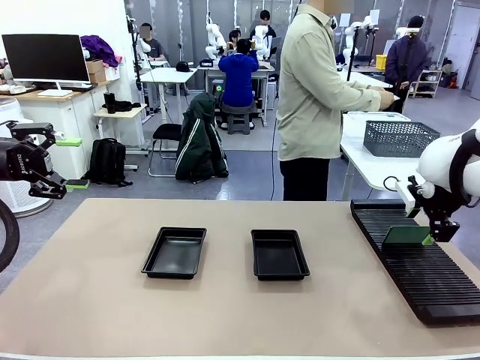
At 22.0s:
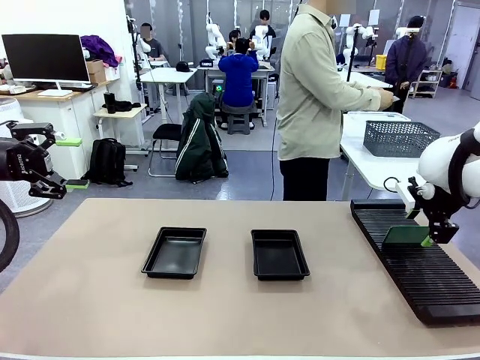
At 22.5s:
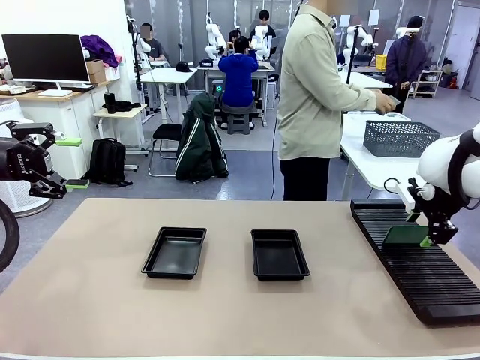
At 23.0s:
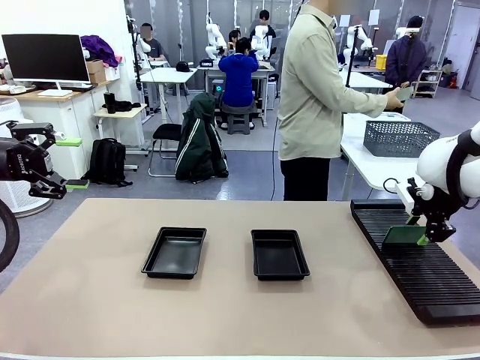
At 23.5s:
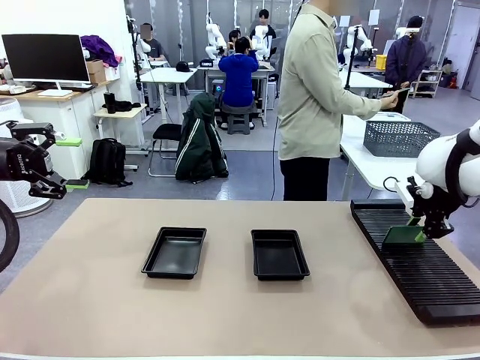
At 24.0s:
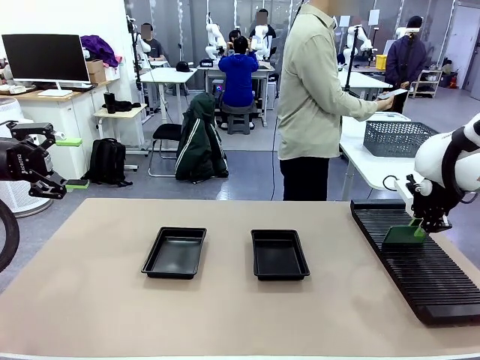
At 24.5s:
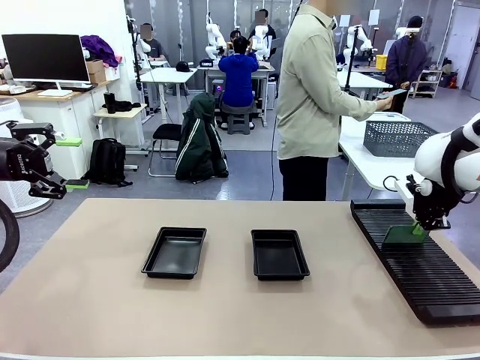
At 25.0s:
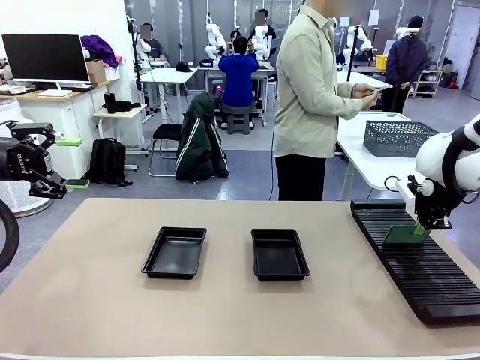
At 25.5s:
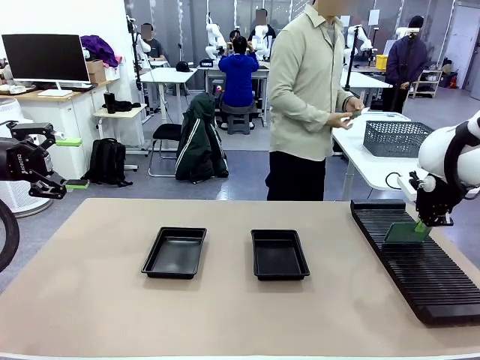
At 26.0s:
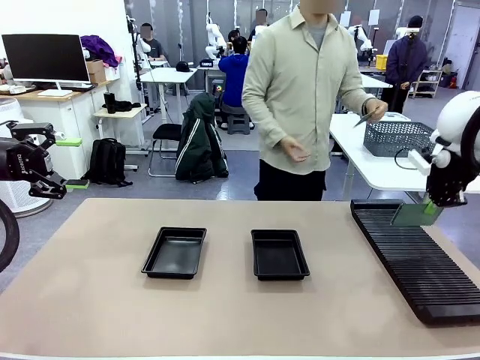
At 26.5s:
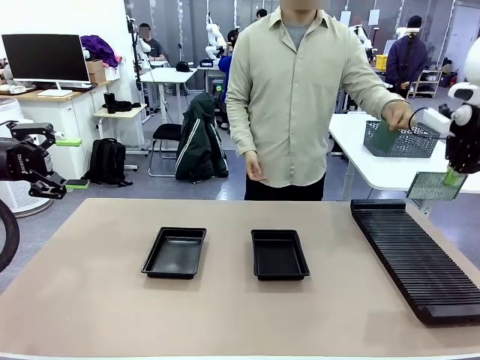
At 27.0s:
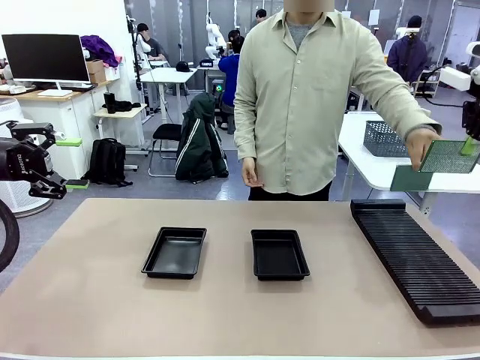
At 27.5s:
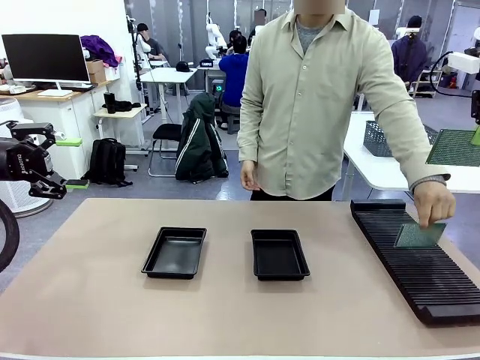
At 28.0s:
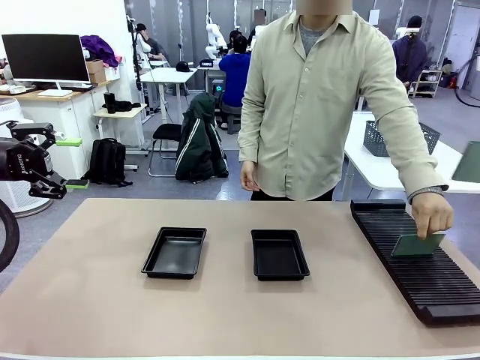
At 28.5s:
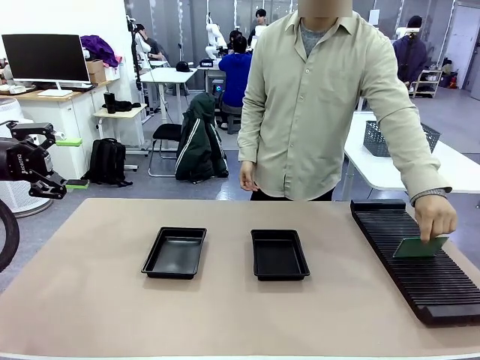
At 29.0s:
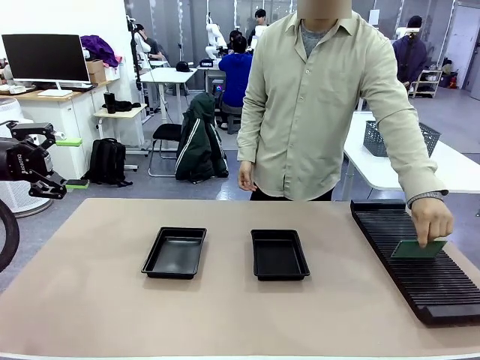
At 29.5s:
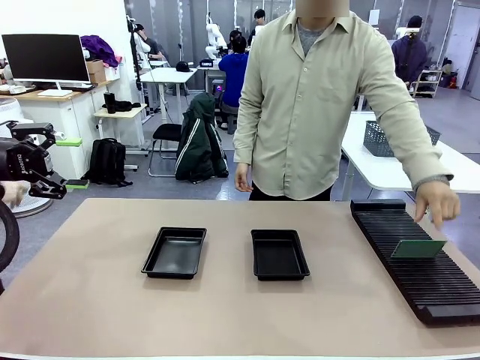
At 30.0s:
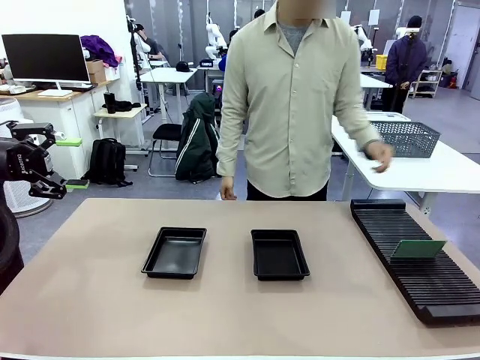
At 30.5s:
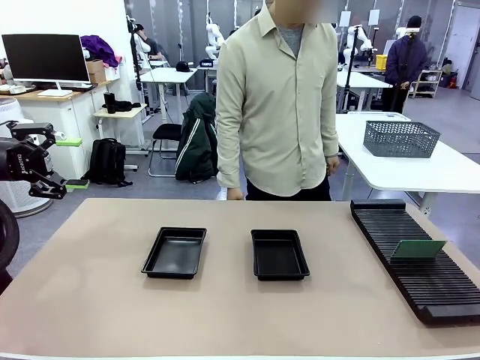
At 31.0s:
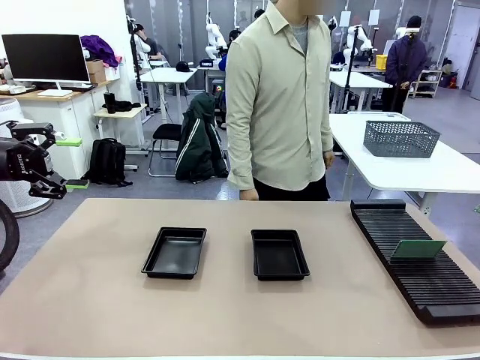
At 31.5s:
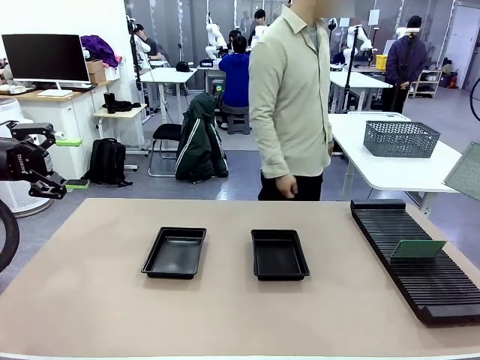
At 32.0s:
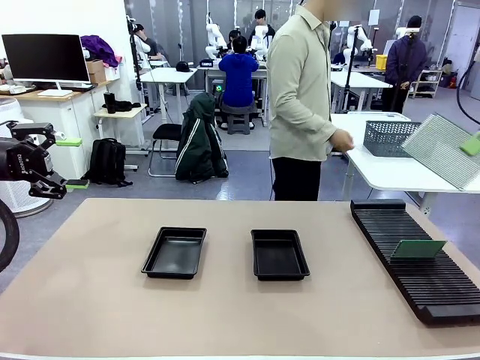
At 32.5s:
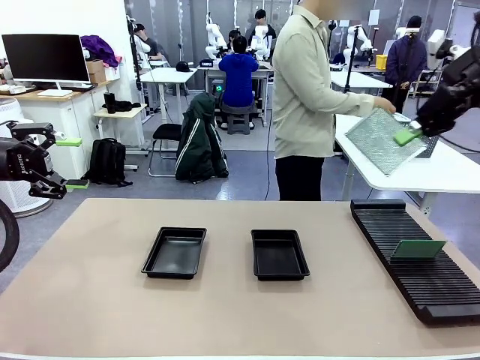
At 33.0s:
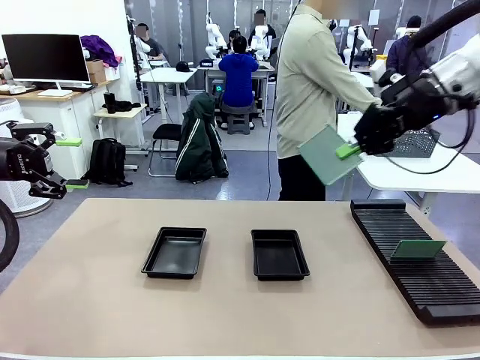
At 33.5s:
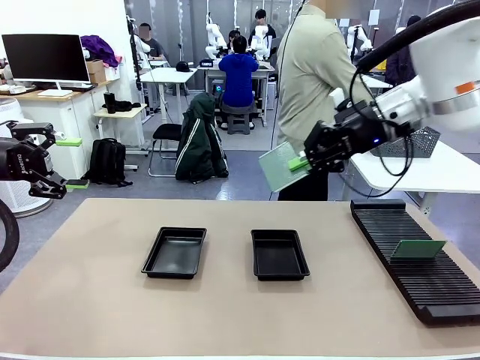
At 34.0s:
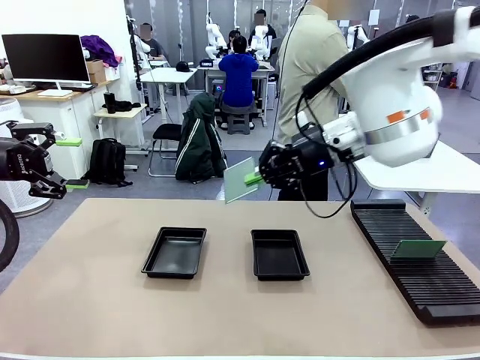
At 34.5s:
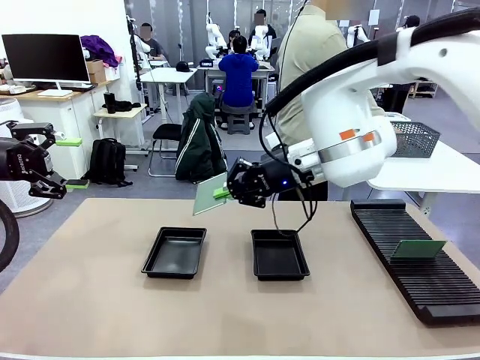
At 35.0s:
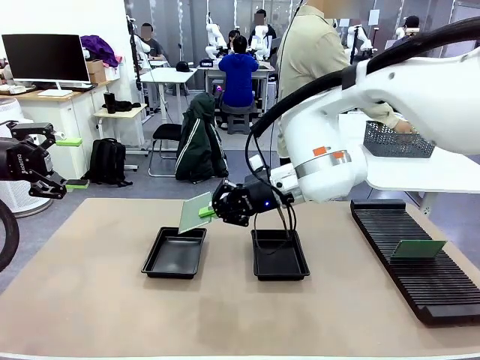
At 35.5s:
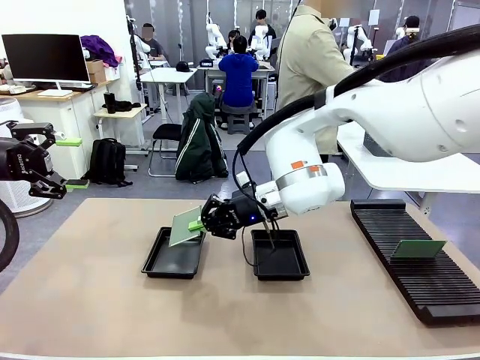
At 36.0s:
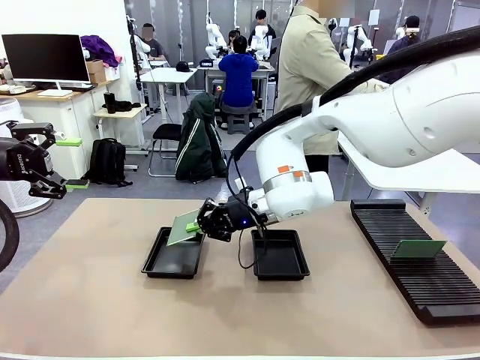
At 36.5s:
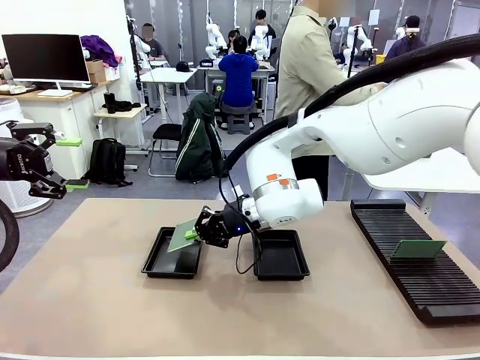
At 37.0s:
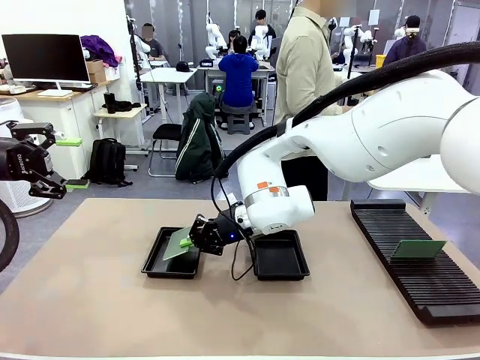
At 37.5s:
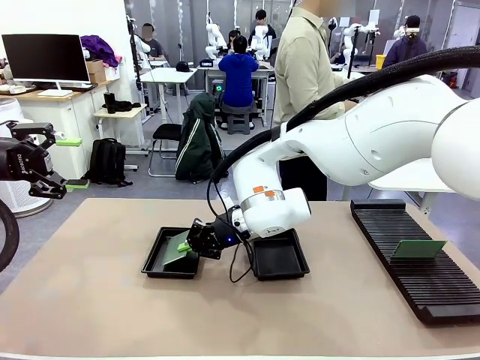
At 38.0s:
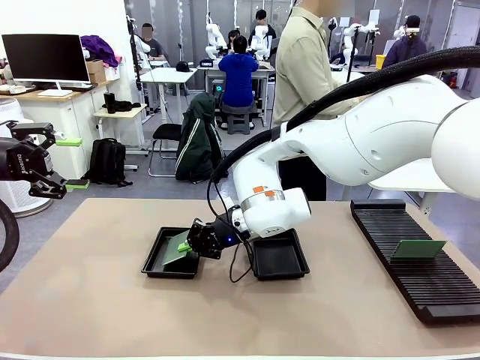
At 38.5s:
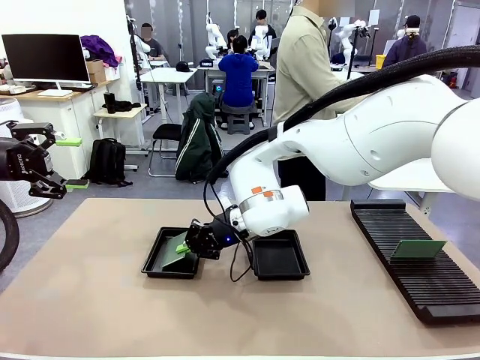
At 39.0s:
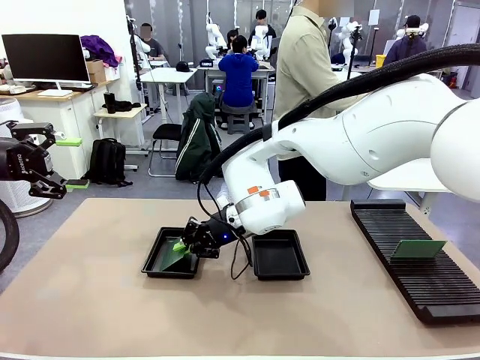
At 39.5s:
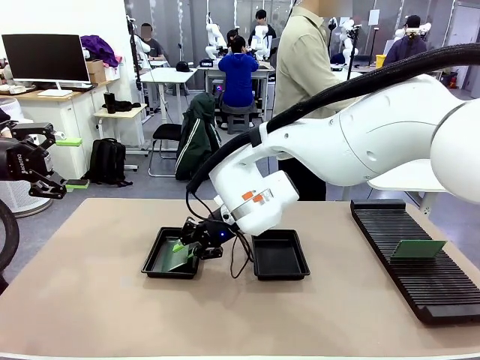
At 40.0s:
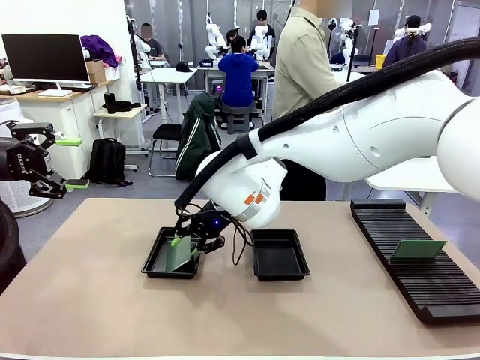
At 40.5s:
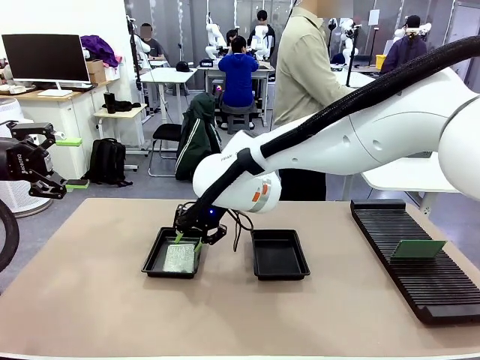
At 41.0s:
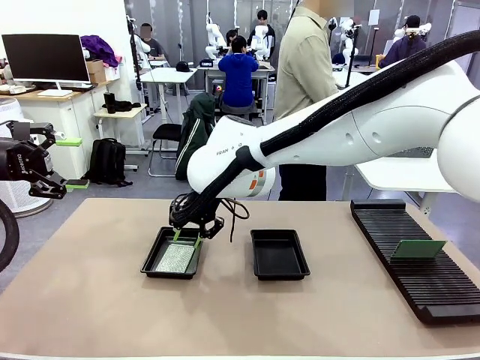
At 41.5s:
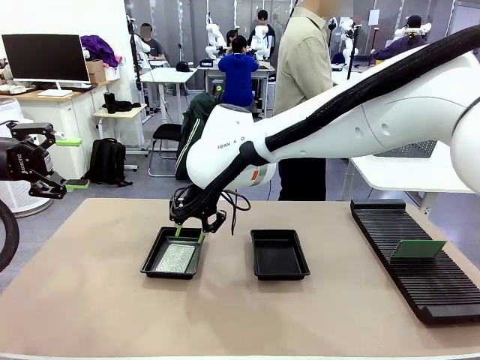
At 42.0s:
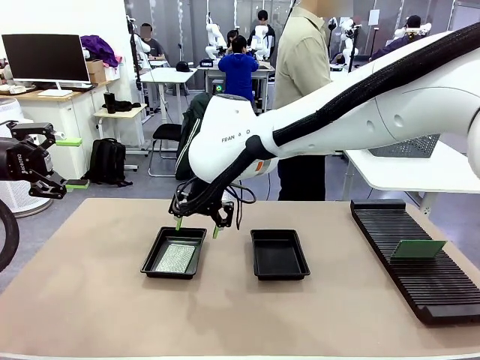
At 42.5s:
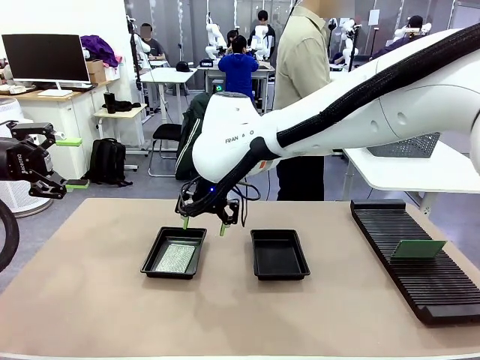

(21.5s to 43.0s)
Task: Inspect and transfer BCBs to ESD trays.
Robot: Pick up the Blank PCB from the PCB Rack and place it in the left ESD tray.

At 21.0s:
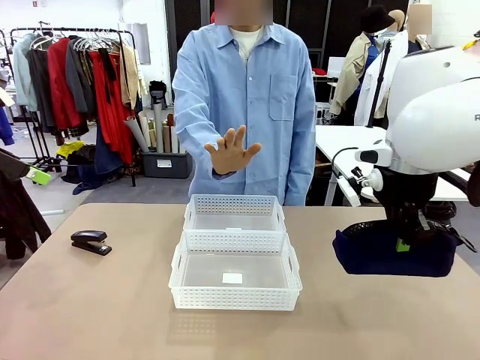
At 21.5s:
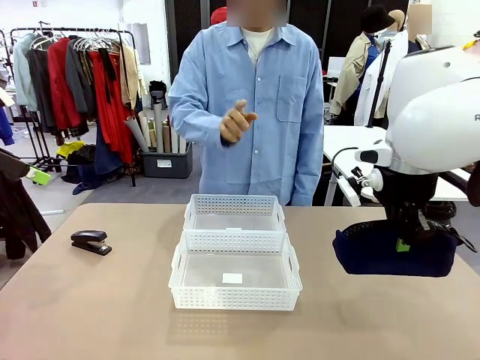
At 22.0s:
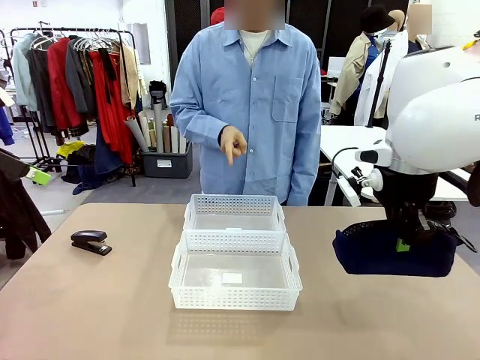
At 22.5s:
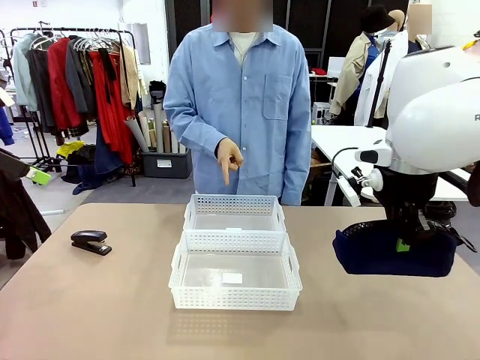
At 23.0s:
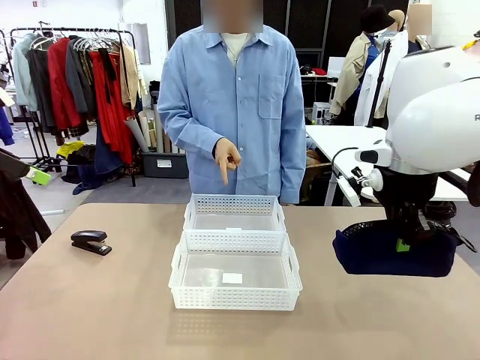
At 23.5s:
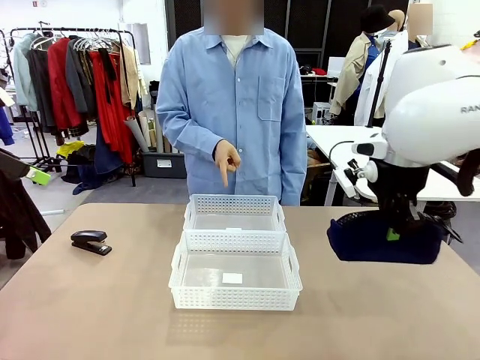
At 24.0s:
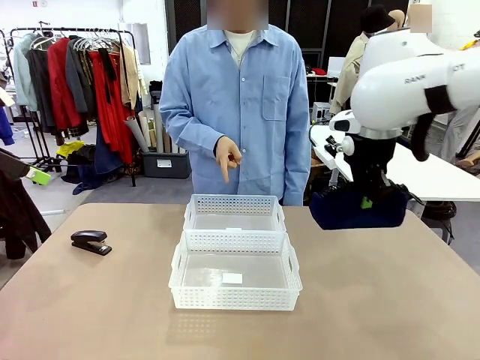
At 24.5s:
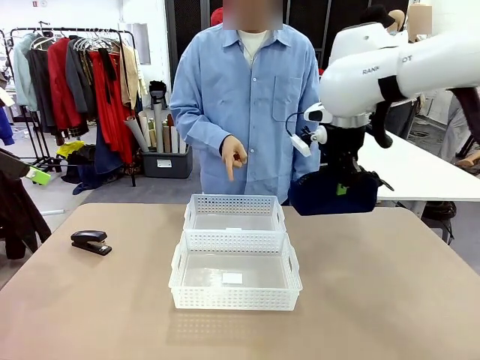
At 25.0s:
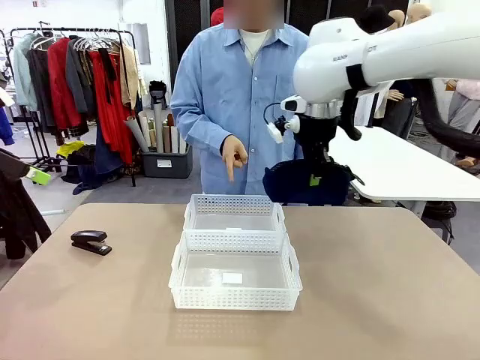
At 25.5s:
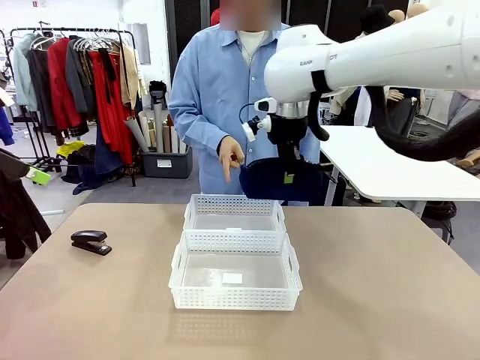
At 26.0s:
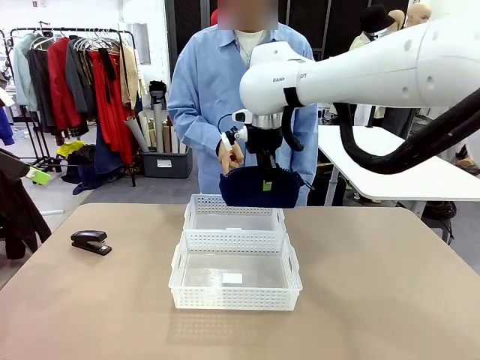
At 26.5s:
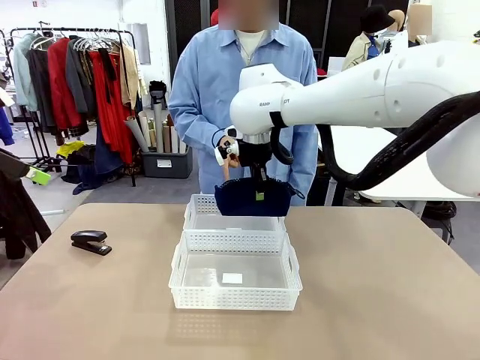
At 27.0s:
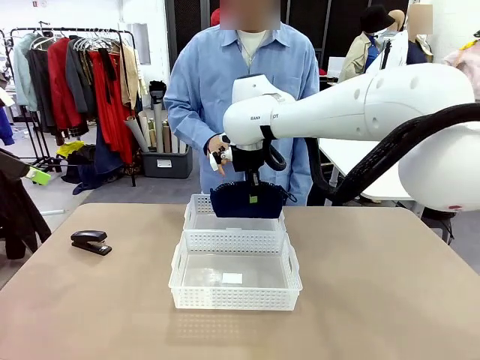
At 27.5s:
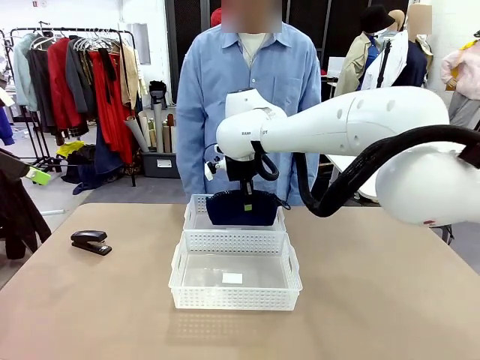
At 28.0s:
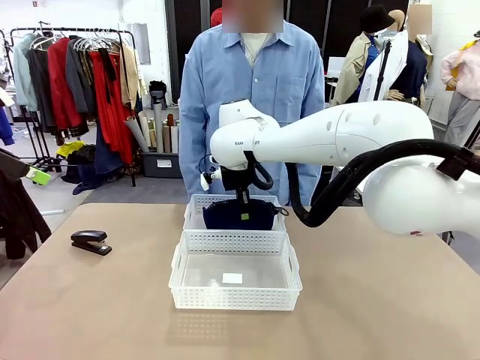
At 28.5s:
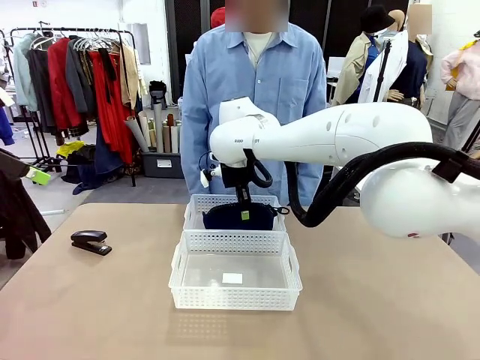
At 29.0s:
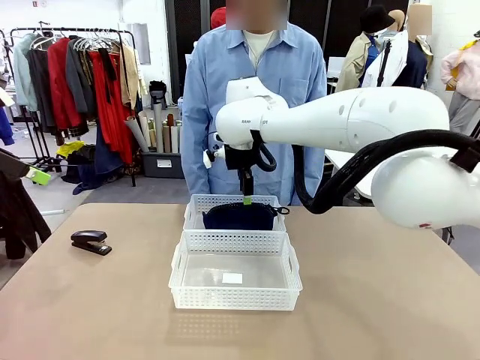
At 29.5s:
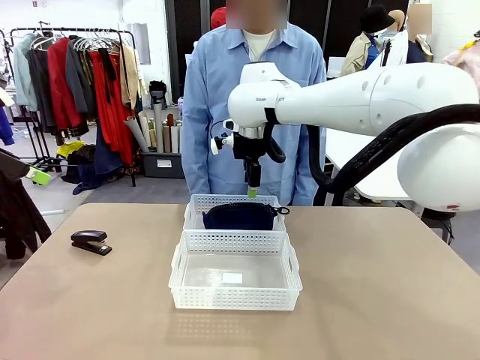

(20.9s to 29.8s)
Task: Distribute items into two baskets.
Robot: Place the picked Pencil pouch into the Organizing basket as instructed by the person.
Person: Instructs the robot to place the pencil case into the opposite basket. Points to the stapler.
